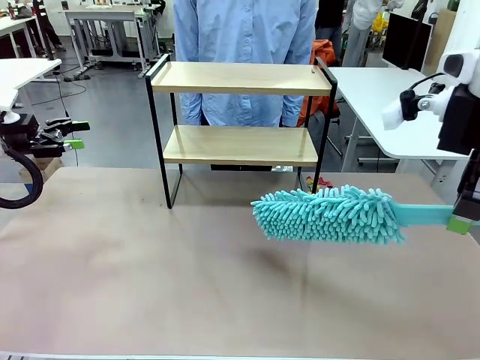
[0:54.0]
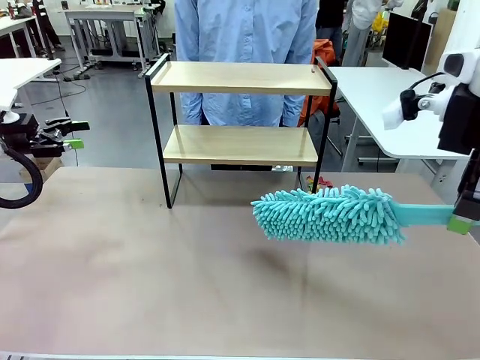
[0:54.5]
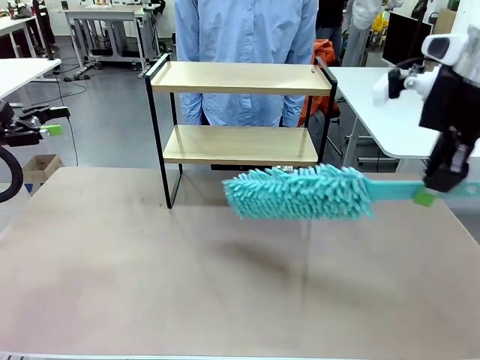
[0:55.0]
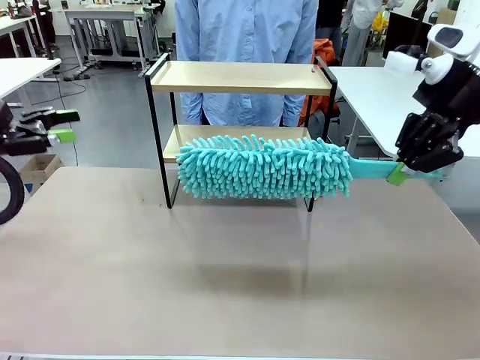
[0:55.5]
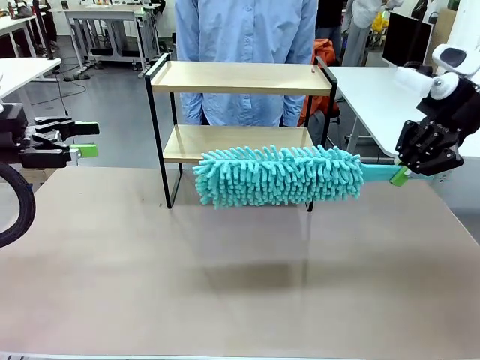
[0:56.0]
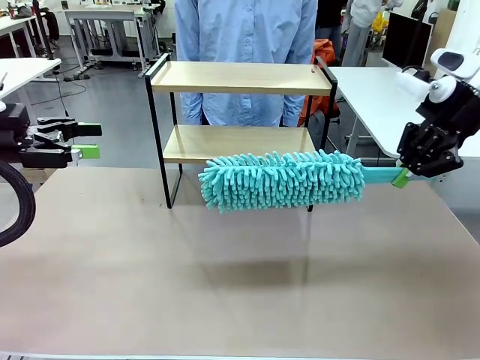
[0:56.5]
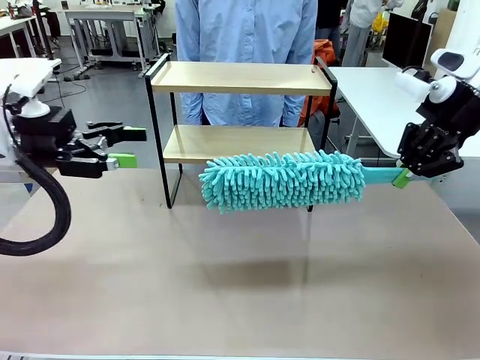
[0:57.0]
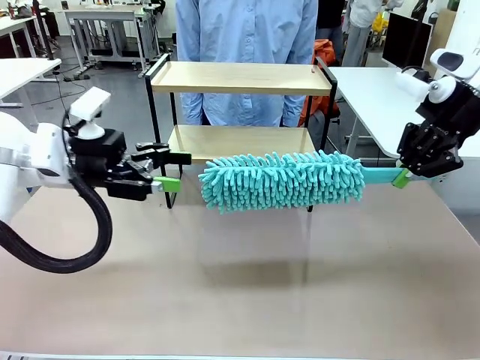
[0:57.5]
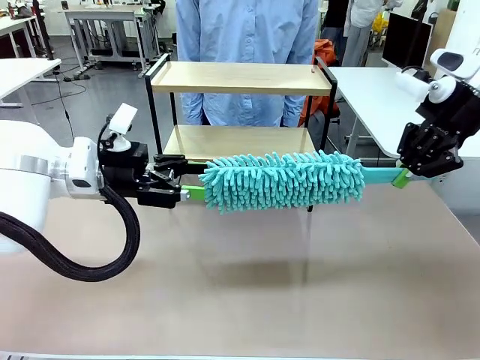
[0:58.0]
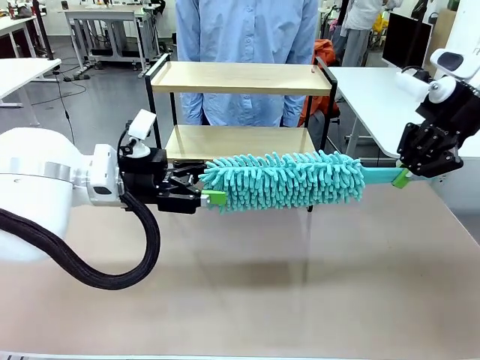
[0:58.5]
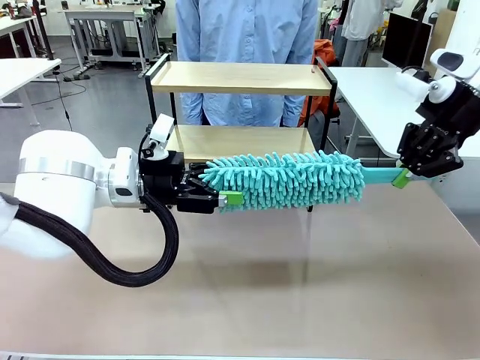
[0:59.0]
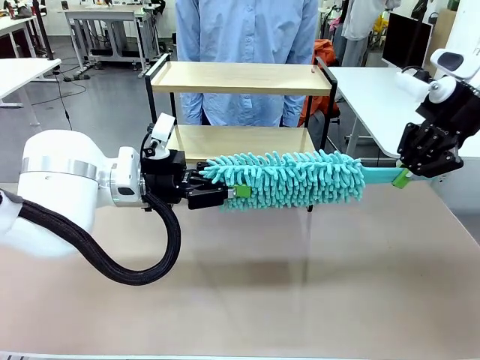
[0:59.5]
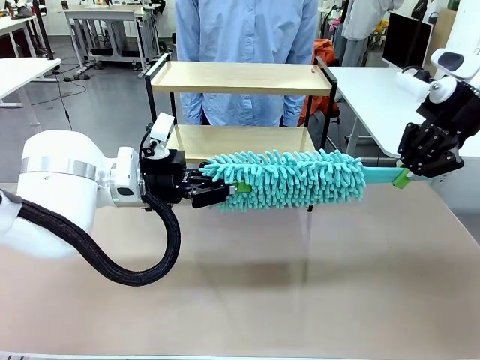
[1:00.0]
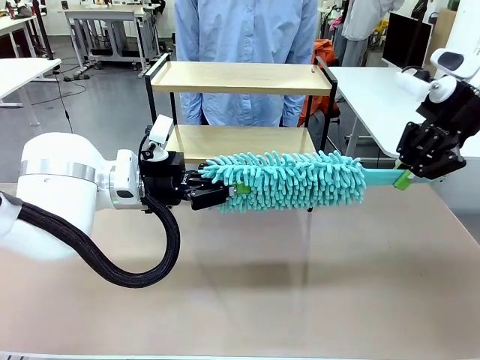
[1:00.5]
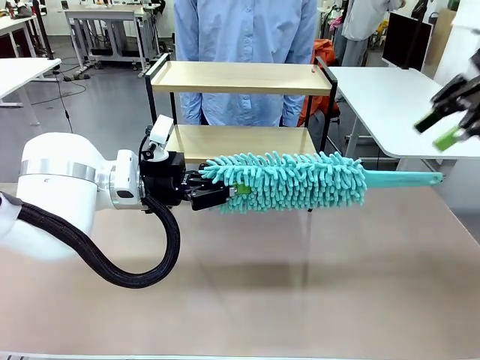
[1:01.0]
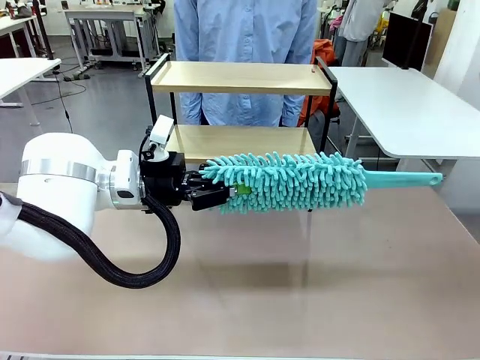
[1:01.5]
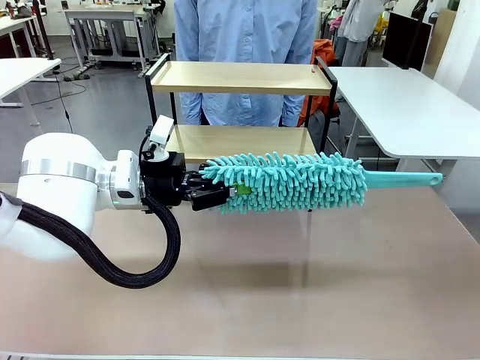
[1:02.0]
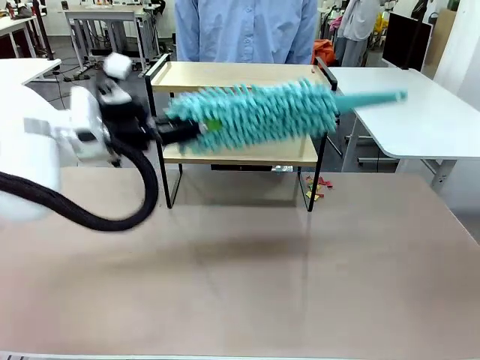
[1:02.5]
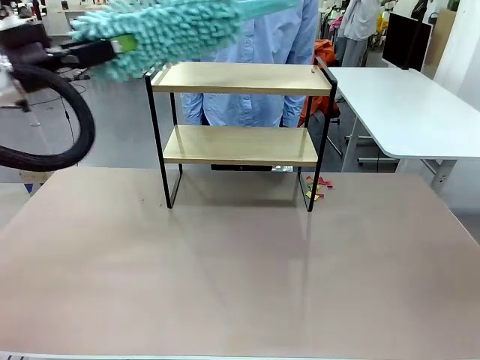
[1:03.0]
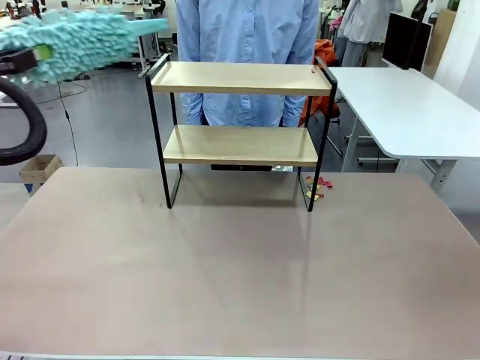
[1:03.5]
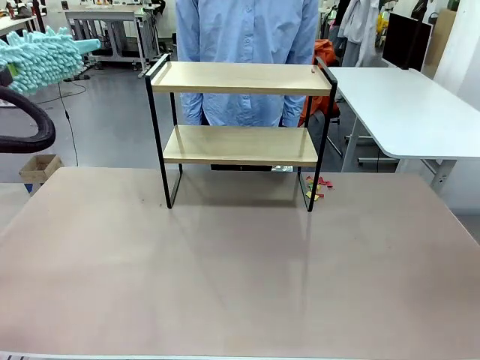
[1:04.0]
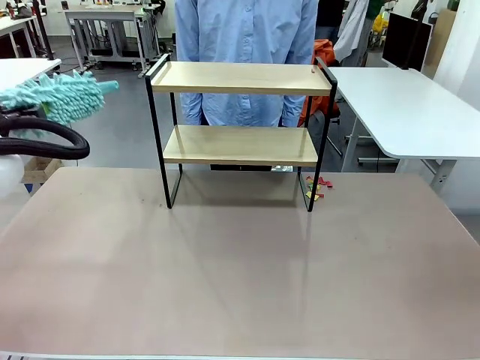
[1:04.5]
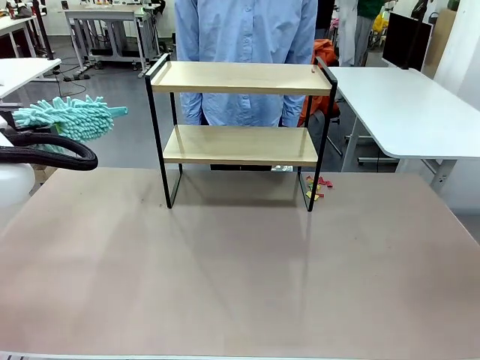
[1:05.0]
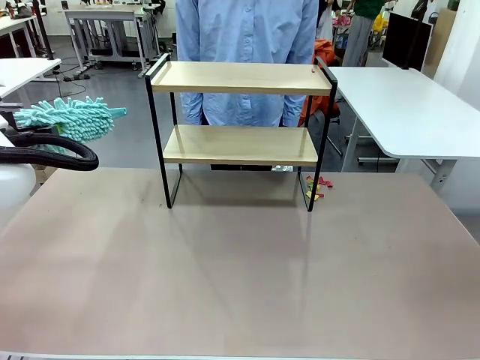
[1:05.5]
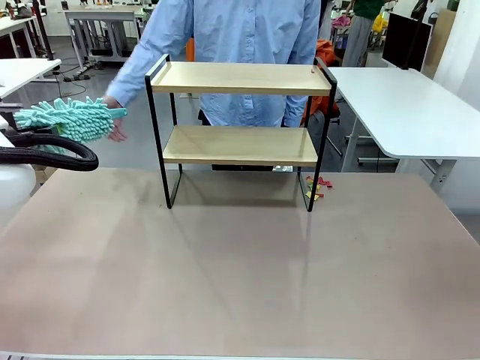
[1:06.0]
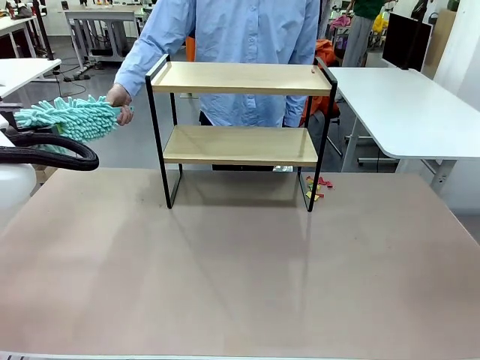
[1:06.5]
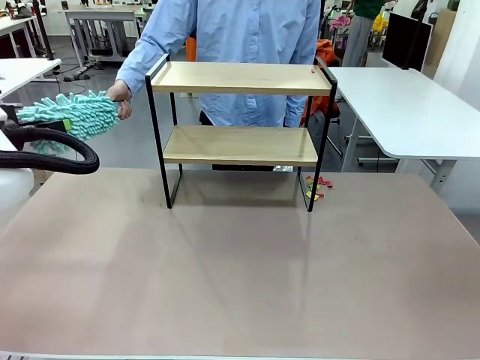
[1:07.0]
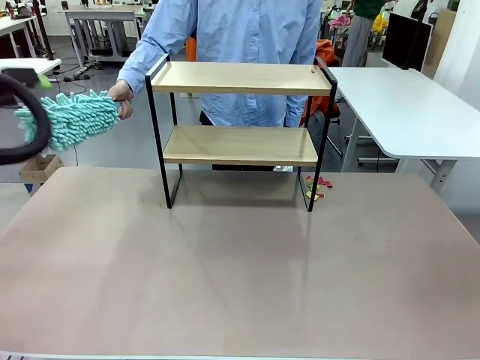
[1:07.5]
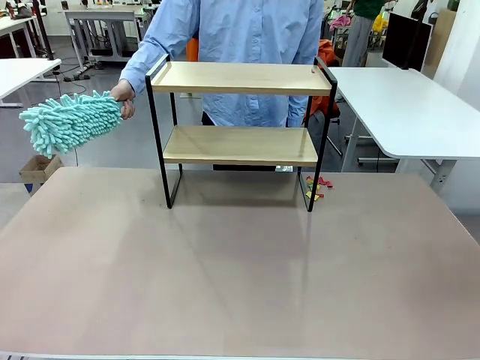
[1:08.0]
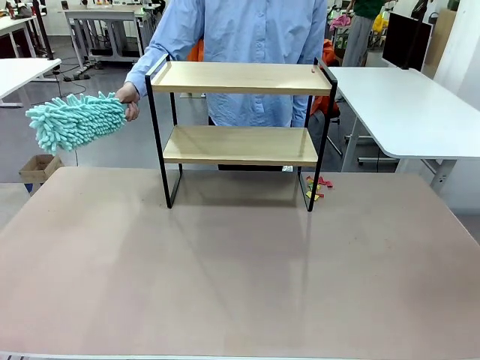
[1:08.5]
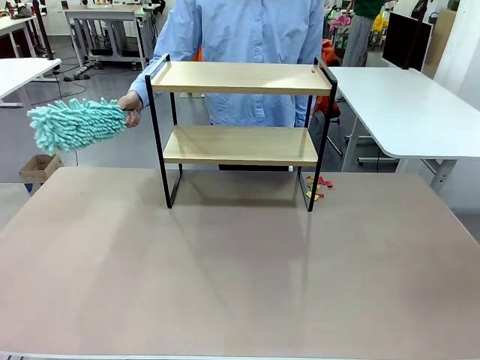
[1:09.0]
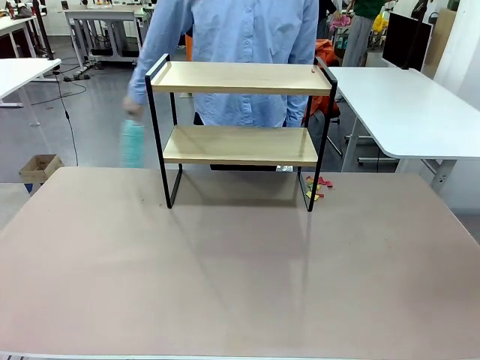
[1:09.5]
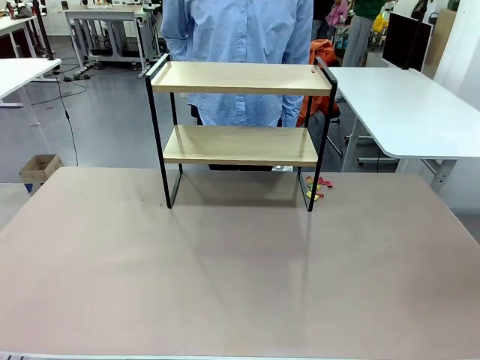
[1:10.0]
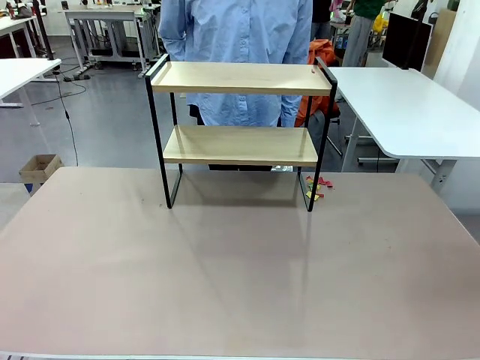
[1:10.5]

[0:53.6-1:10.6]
Task: Clean the shelf.
Robot: Hand the Duster back to the human.
Person: Receive the Duster from the robot.

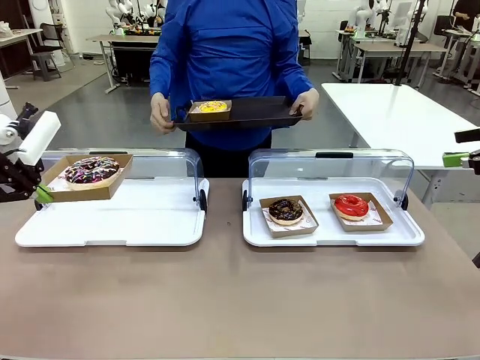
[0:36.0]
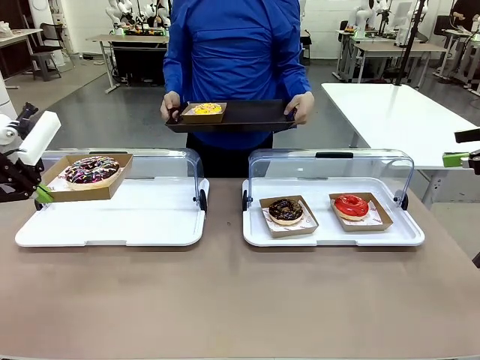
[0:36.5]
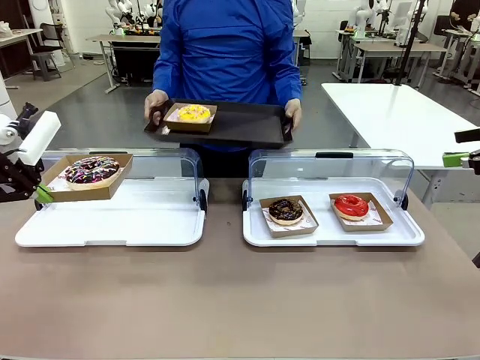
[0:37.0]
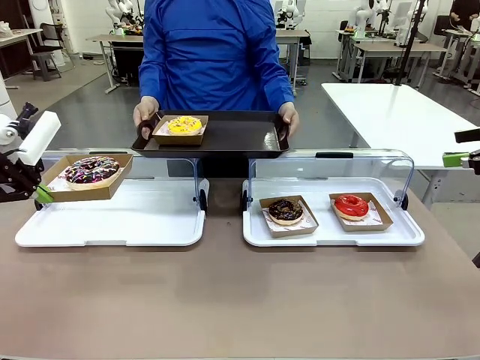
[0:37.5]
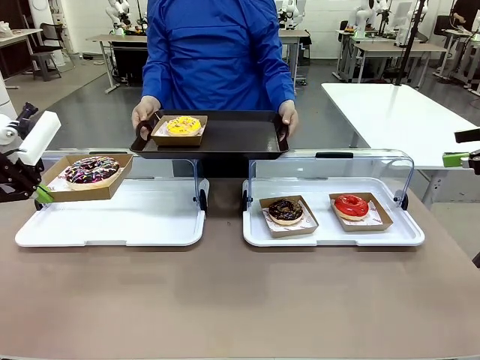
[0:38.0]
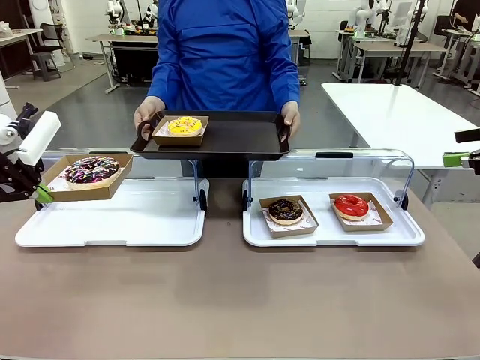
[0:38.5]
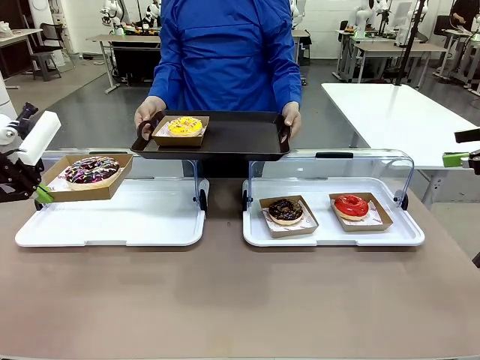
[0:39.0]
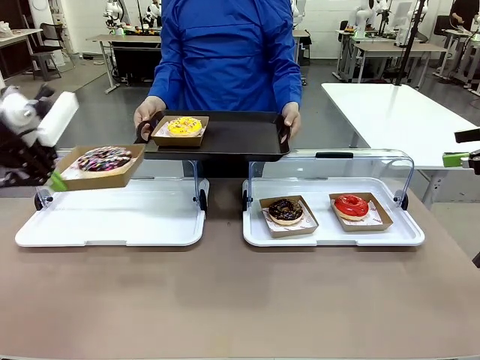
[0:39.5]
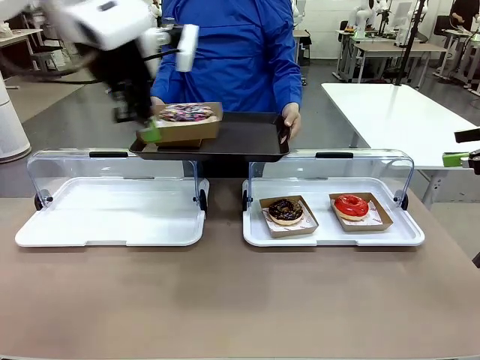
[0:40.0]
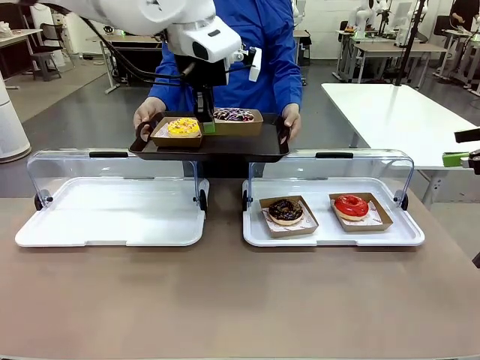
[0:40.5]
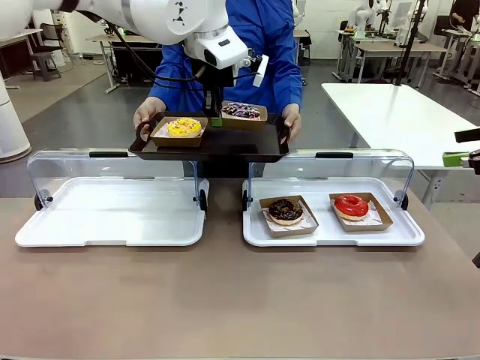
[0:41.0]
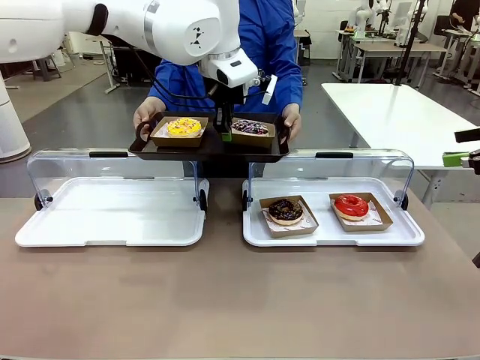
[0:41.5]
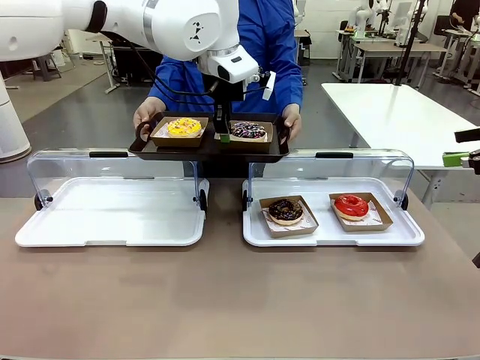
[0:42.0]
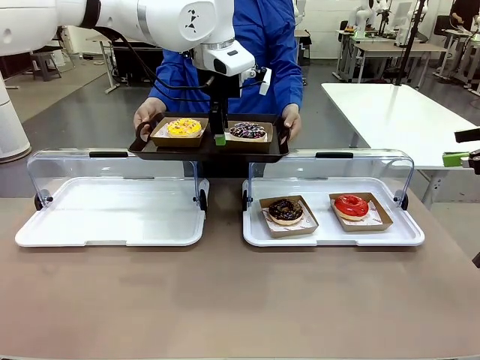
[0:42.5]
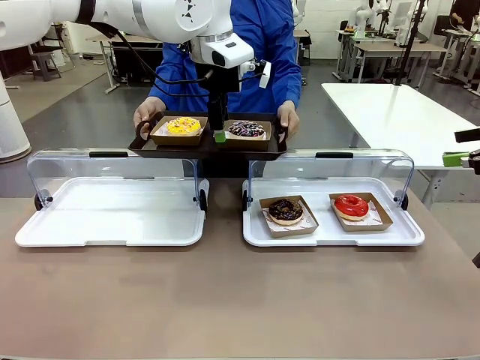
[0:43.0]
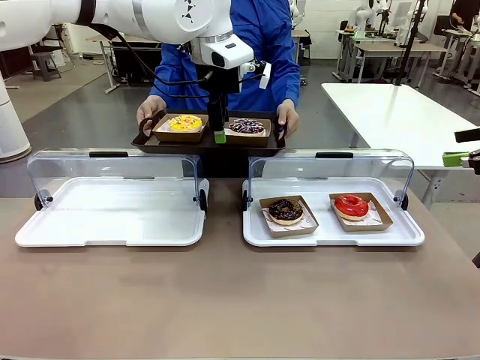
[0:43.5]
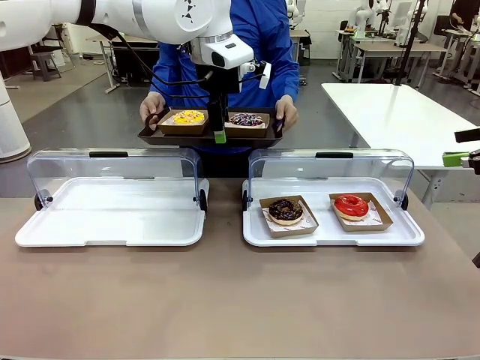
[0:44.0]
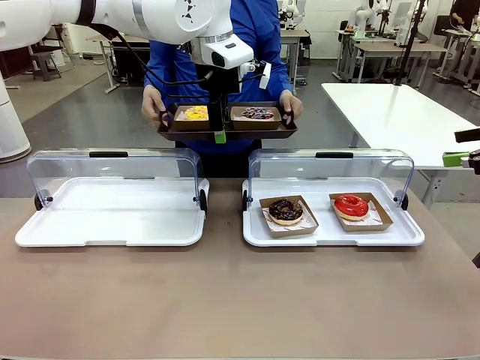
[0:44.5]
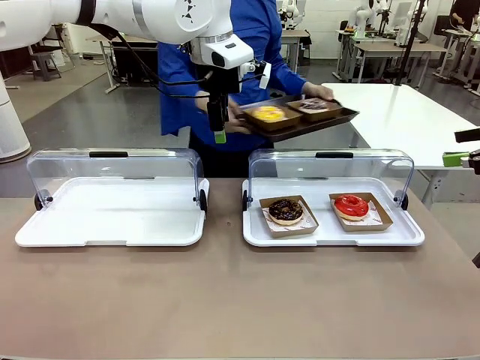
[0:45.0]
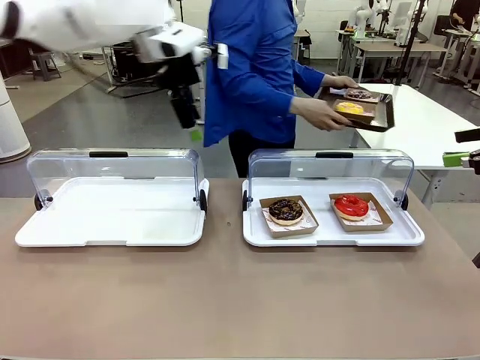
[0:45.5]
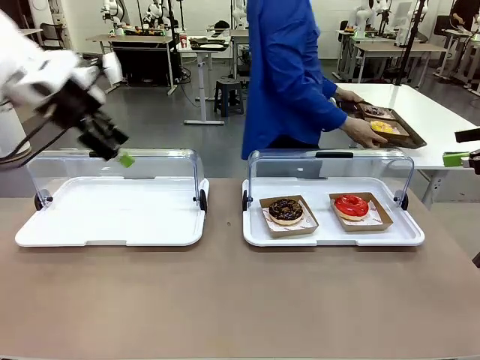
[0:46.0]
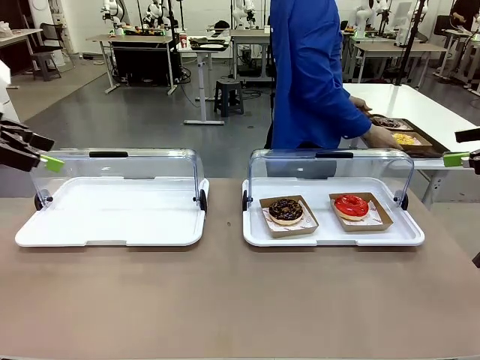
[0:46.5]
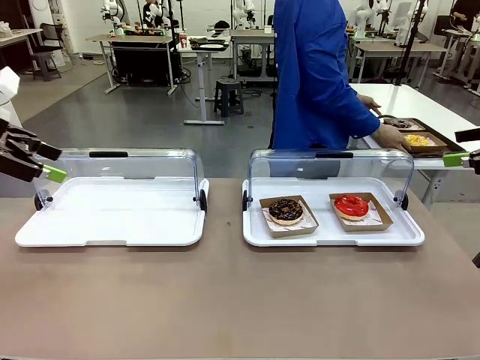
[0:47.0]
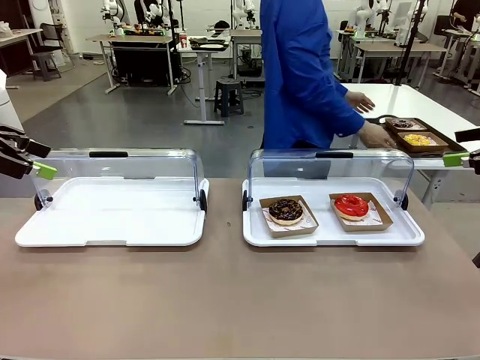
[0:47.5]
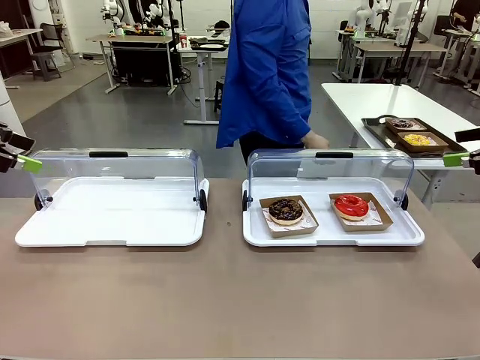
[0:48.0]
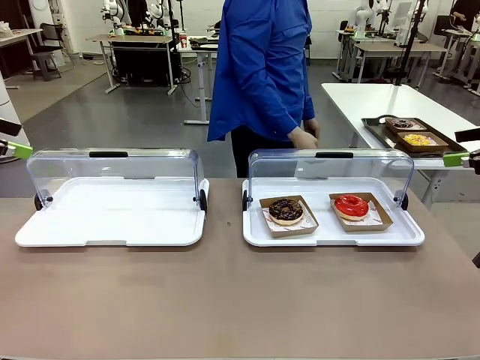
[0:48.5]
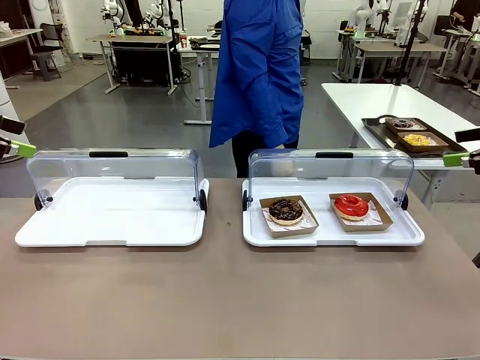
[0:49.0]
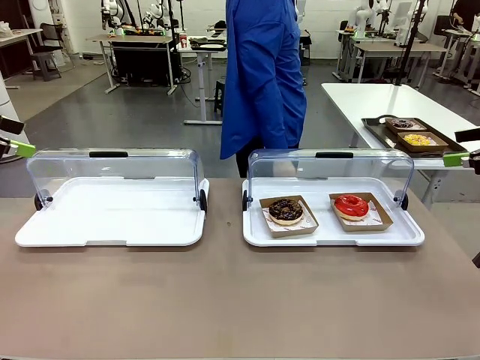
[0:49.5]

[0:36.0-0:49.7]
Task: Provide the desired donut to the person.
Robot: Place the picked Paper togo box onto the Handle tray extended by the person.
Person: Place the tray in the middle of the human table.
